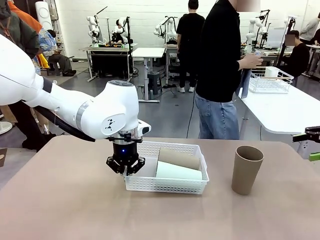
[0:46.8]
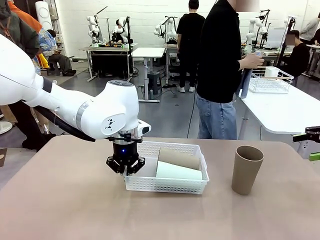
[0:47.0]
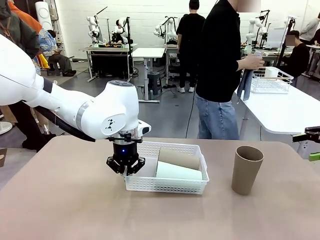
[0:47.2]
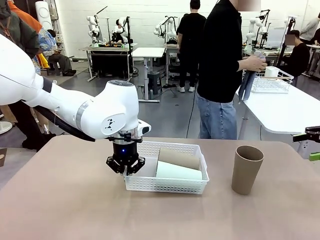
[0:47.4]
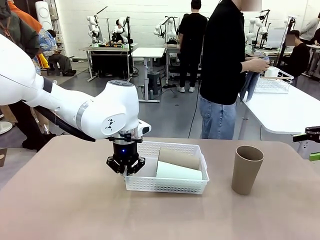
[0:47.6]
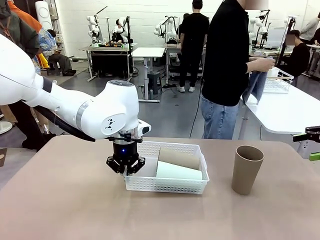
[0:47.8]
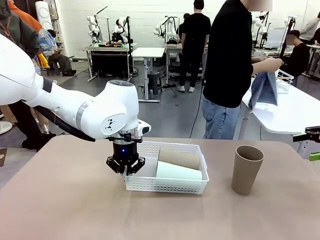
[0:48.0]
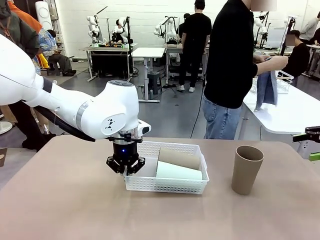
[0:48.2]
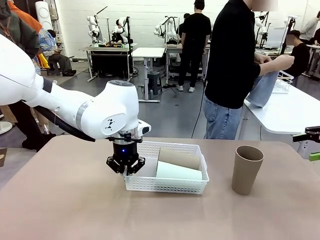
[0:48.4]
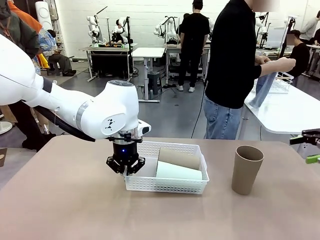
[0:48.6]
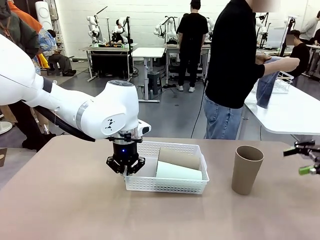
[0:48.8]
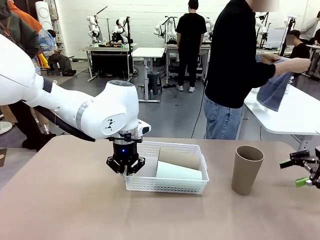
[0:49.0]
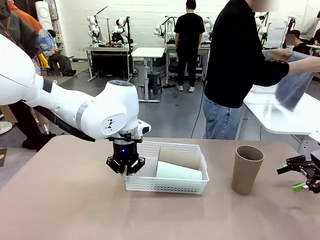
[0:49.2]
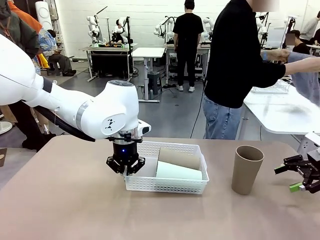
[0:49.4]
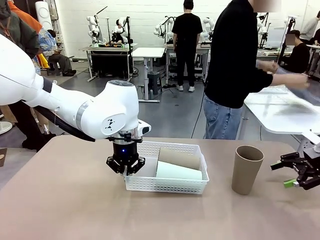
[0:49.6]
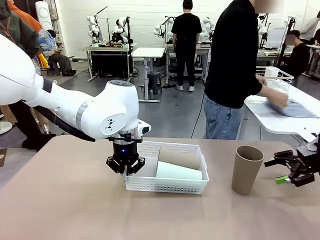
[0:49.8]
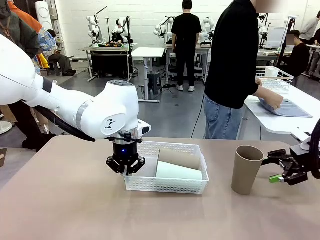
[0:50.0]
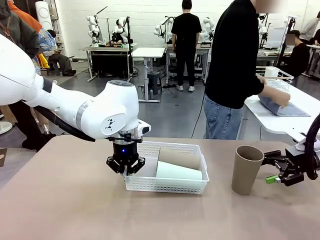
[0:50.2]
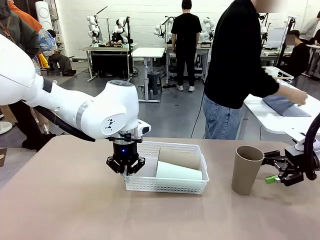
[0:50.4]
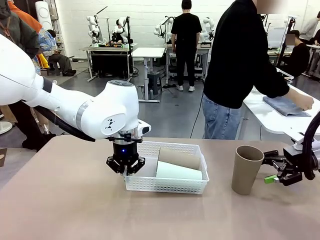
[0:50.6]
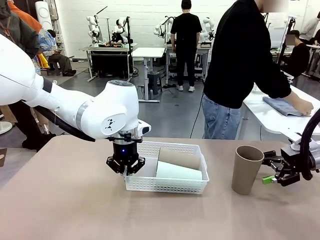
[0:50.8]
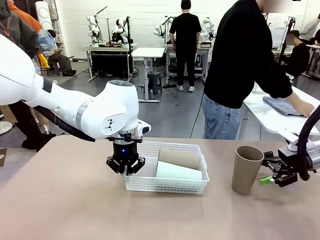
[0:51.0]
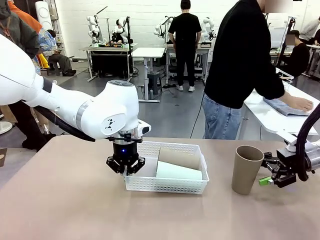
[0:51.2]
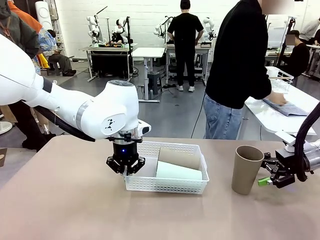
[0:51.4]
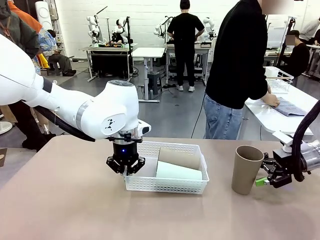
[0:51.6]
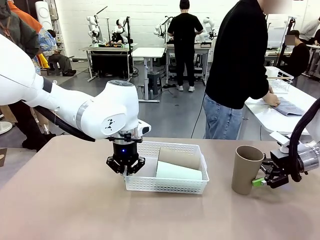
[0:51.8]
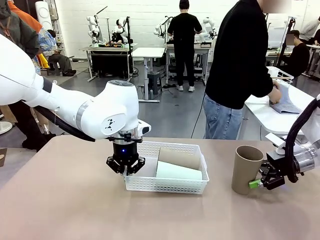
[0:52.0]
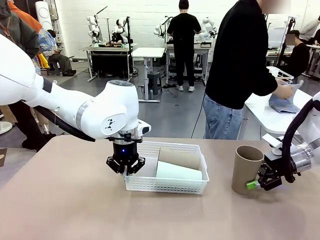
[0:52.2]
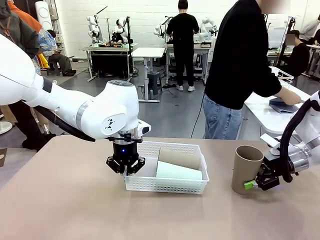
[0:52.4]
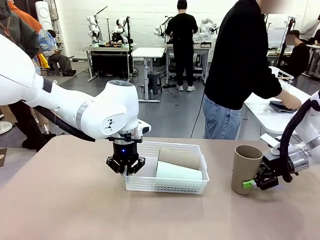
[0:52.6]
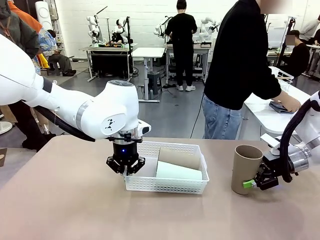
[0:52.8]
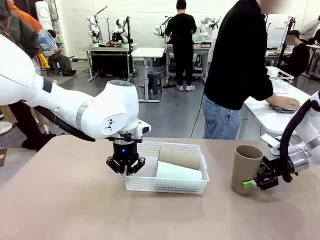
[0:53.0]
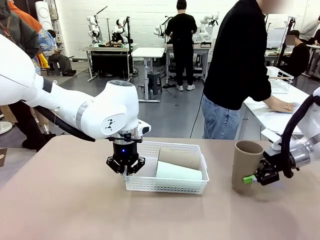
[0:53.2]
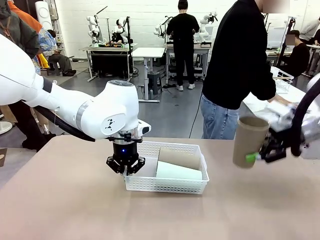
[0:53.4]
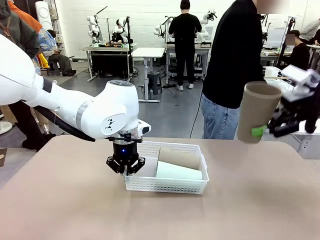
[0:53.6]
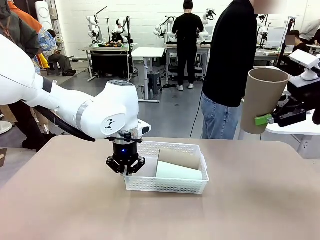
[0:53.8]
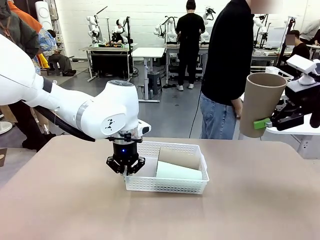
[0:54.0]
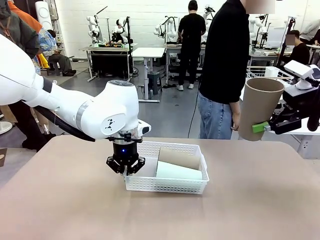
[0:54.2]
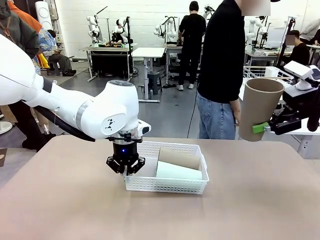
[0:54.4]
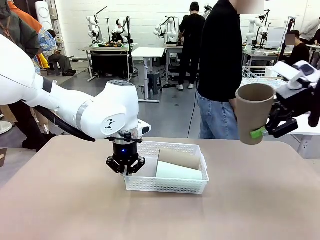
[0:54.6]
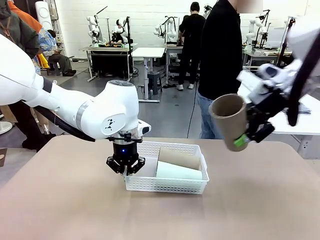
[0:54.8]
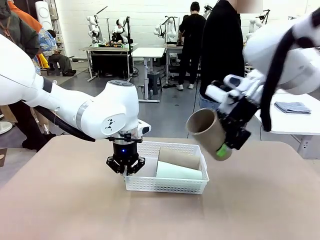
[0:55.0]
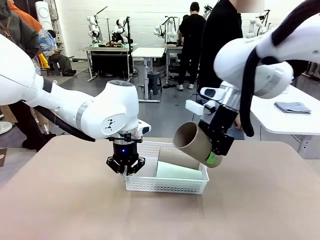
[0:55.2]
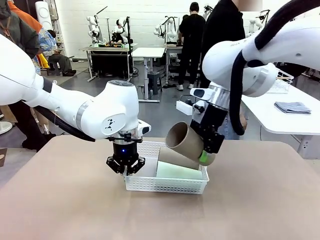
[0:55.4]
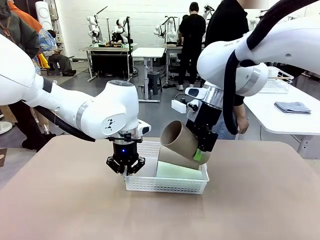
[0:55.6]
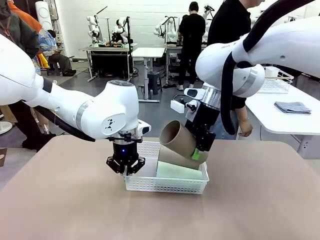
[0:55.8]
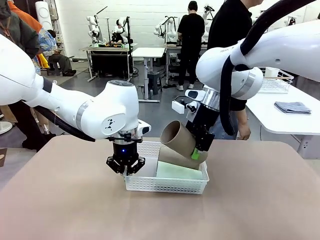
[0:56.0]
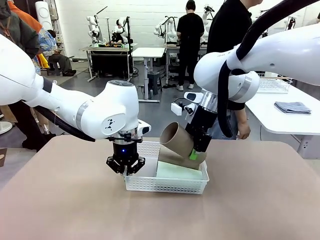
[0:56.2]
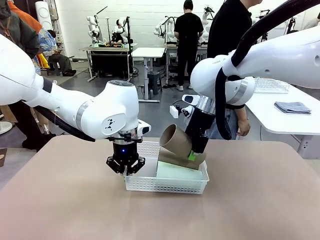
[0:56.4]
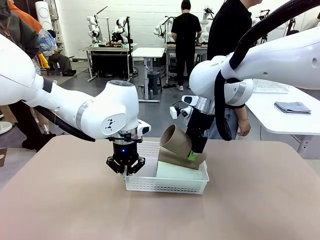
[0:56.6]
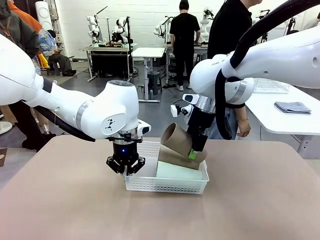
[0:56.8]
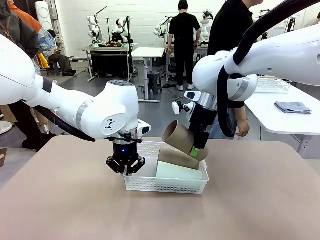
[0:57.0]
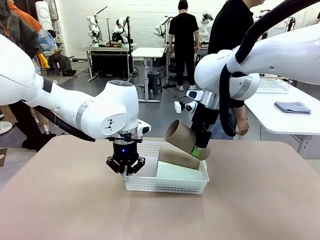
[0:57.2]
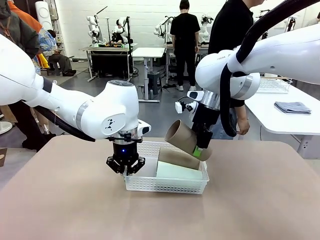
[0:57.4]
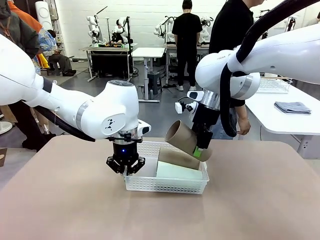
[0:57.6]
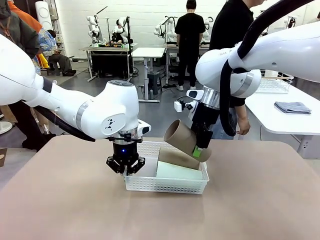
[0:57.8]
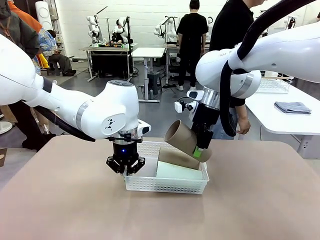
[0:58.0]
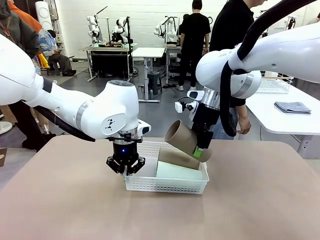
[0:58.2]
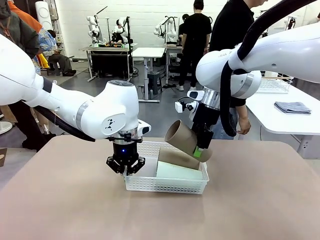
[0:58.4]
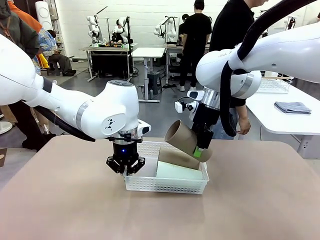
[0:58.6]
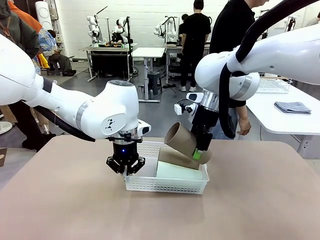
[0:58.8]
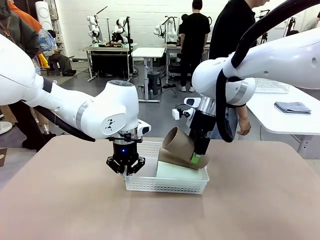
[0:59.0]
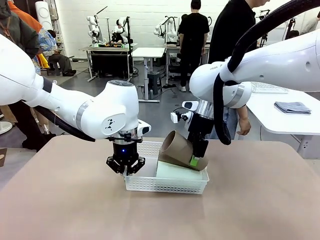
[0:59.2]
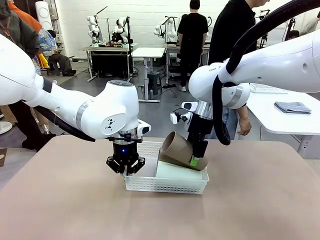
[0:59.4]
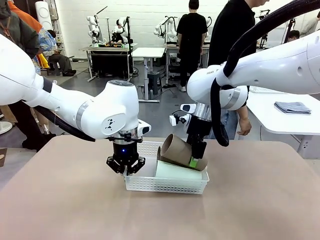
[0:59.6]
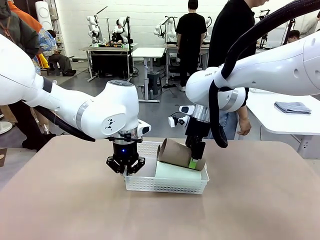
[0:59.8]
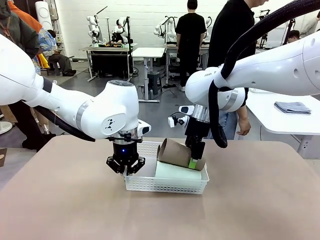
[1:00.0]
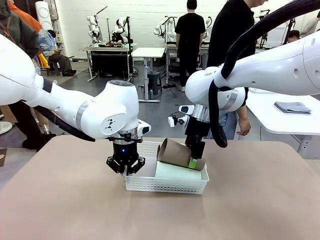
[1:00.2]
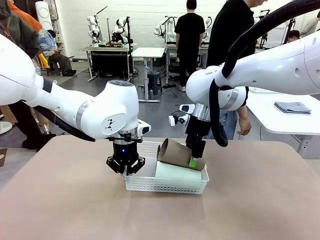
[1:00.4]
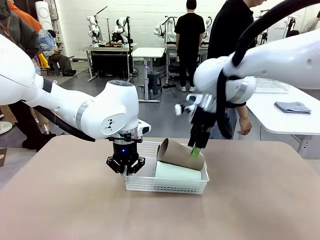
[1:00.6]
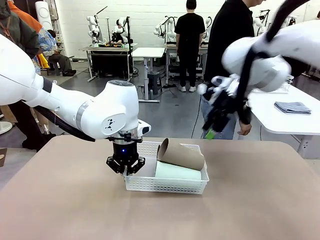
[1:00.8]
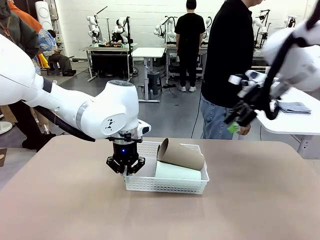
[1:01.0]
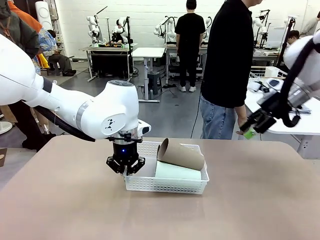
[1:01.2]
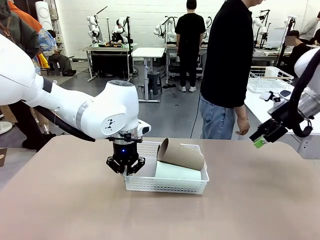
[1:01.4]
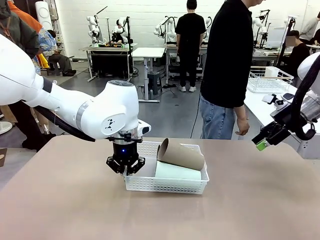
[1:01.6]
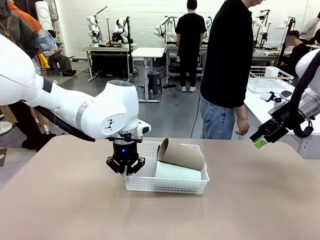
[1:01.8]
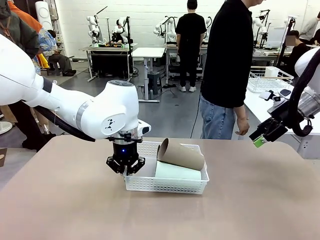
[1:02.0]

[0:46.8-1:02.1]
Task: Clean and organize the cups into the basket.
Robot: Pick up the Reusable plastic cup from the right side of the table and stack it inside the Organizing basket in the center of the table.
Person: Folds the towel in half twice and places it in the right of the table.
